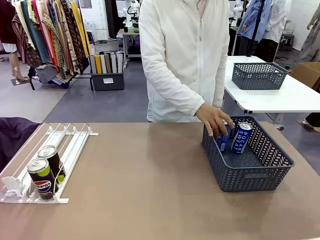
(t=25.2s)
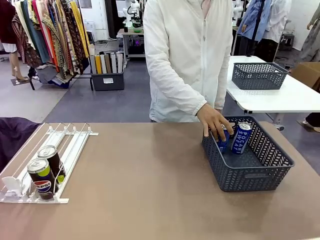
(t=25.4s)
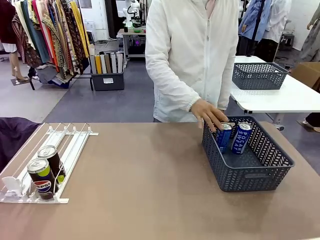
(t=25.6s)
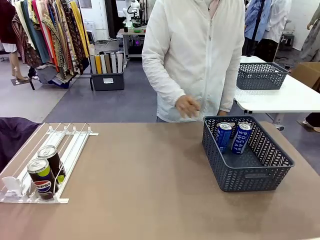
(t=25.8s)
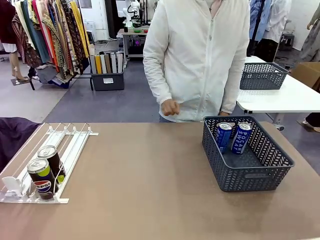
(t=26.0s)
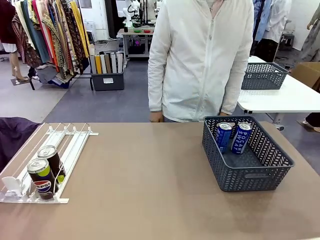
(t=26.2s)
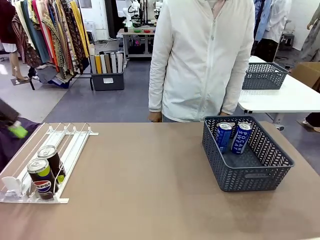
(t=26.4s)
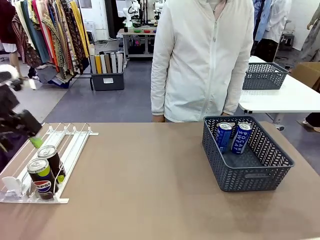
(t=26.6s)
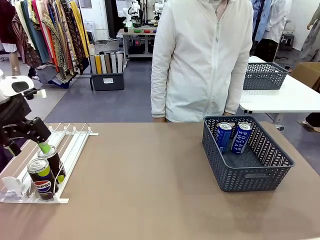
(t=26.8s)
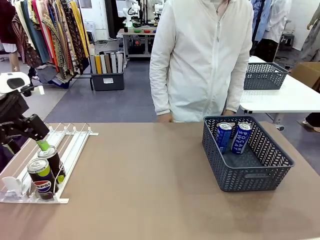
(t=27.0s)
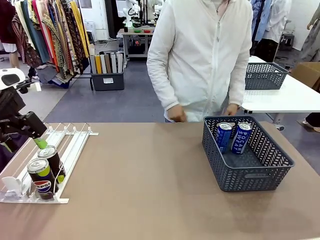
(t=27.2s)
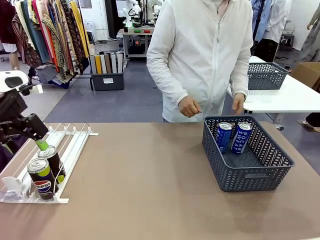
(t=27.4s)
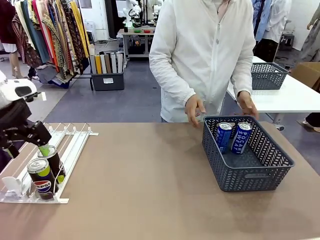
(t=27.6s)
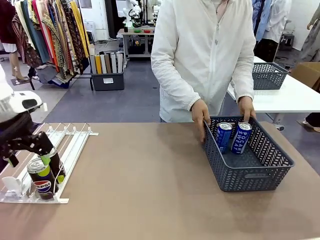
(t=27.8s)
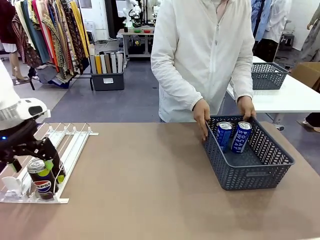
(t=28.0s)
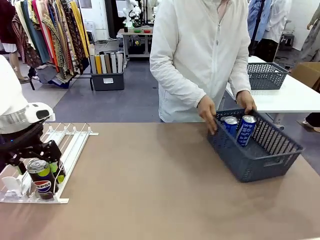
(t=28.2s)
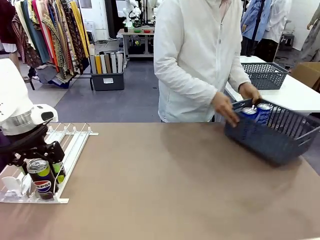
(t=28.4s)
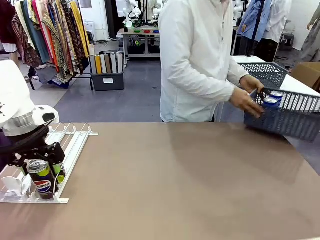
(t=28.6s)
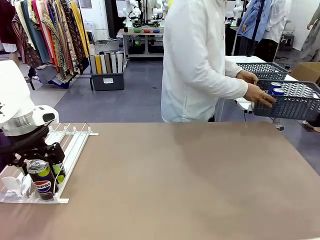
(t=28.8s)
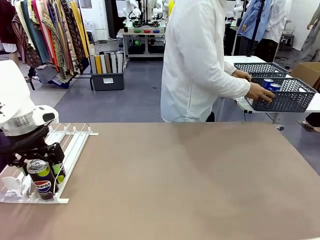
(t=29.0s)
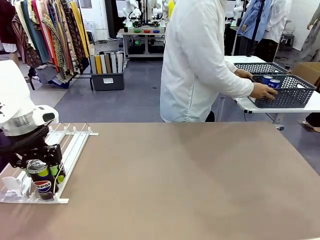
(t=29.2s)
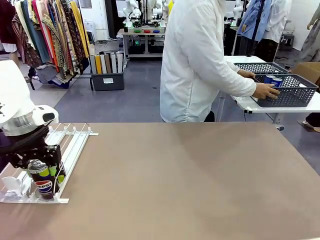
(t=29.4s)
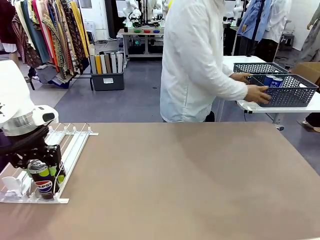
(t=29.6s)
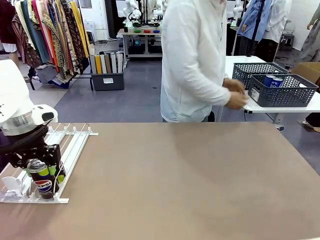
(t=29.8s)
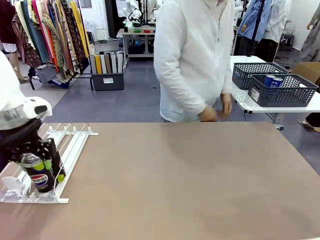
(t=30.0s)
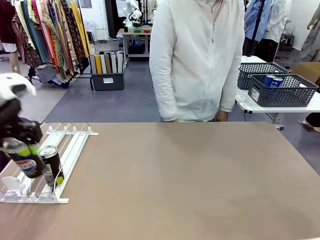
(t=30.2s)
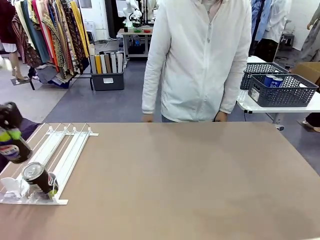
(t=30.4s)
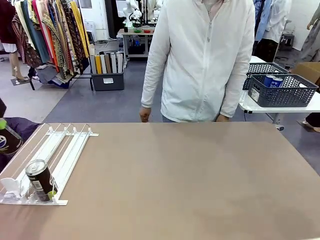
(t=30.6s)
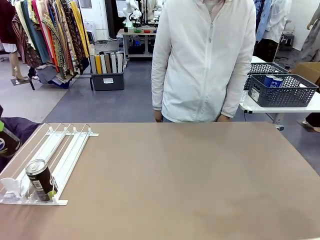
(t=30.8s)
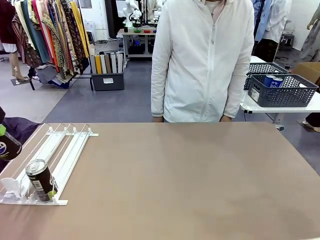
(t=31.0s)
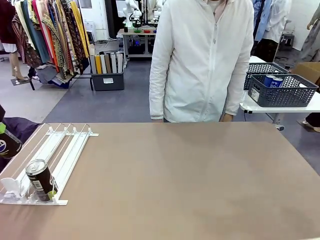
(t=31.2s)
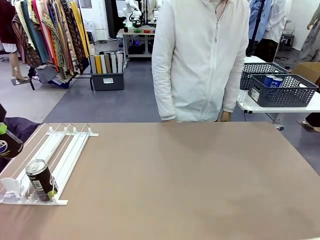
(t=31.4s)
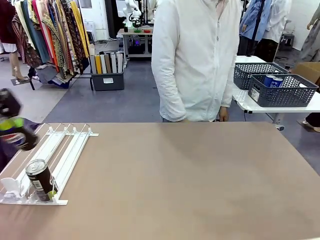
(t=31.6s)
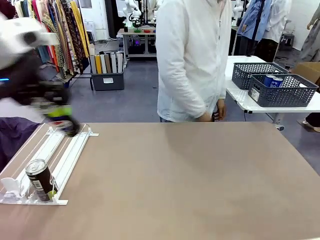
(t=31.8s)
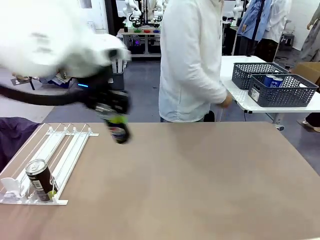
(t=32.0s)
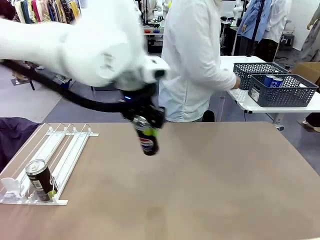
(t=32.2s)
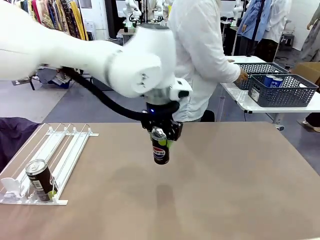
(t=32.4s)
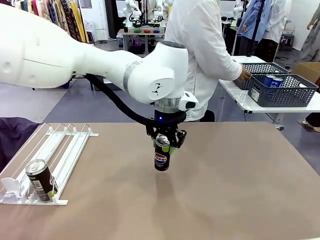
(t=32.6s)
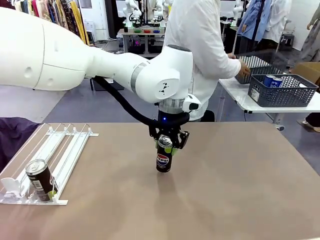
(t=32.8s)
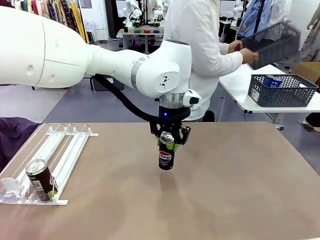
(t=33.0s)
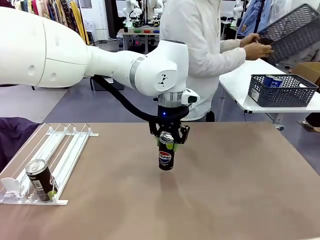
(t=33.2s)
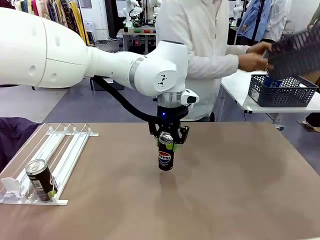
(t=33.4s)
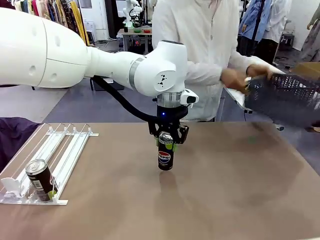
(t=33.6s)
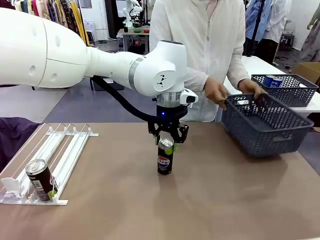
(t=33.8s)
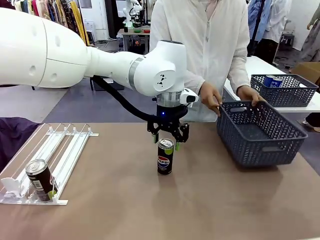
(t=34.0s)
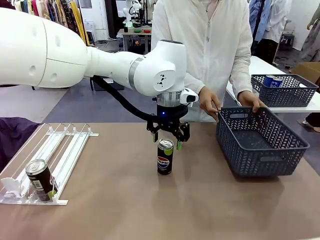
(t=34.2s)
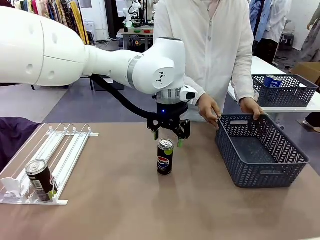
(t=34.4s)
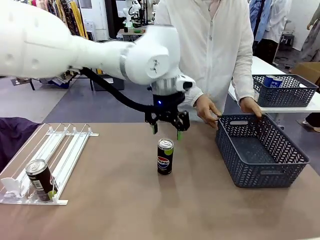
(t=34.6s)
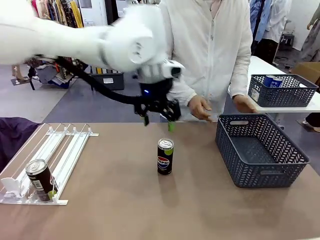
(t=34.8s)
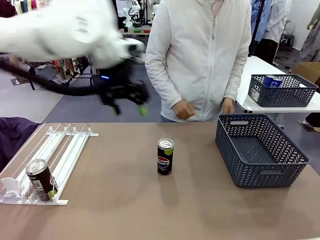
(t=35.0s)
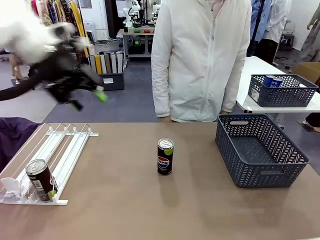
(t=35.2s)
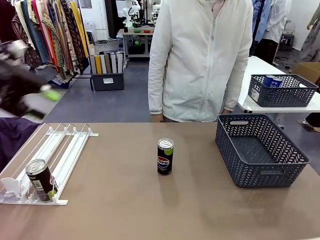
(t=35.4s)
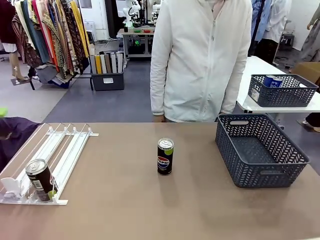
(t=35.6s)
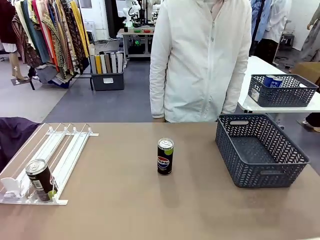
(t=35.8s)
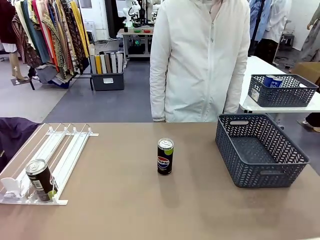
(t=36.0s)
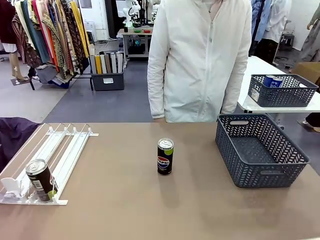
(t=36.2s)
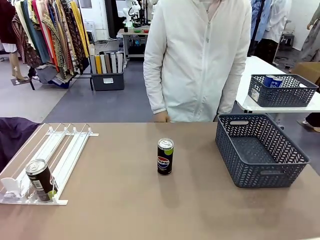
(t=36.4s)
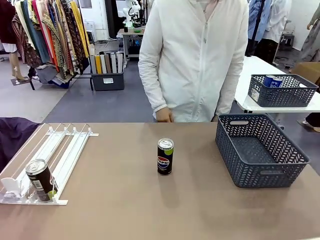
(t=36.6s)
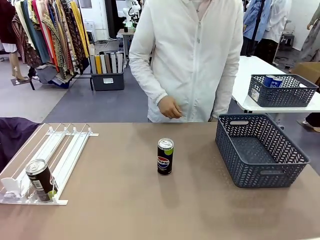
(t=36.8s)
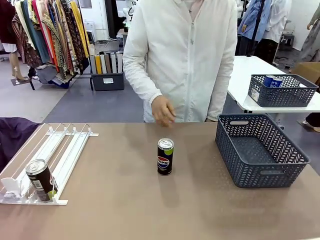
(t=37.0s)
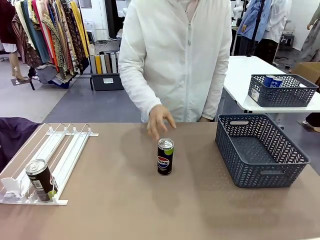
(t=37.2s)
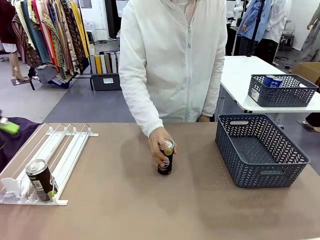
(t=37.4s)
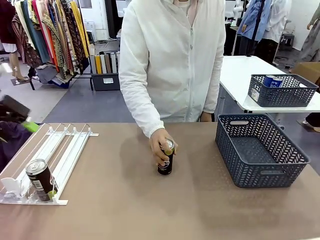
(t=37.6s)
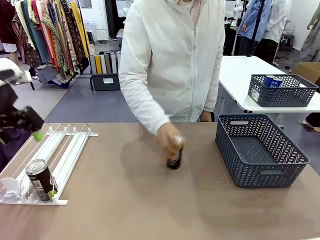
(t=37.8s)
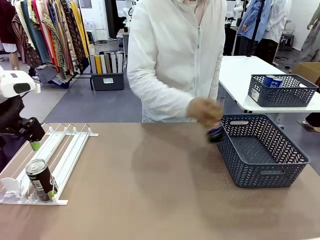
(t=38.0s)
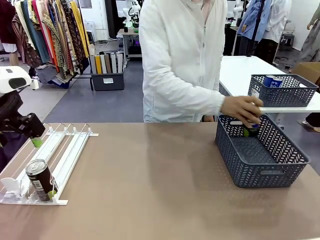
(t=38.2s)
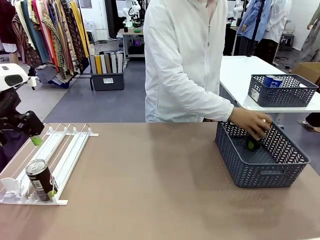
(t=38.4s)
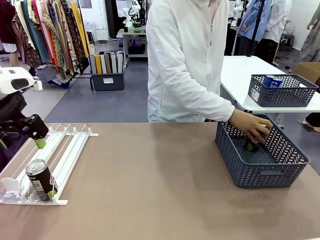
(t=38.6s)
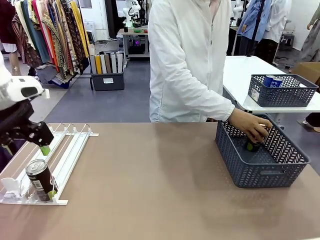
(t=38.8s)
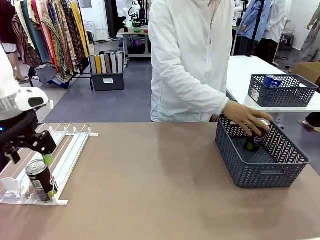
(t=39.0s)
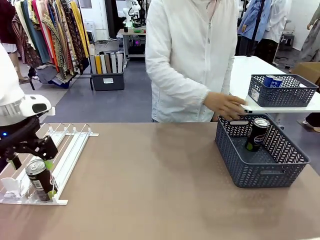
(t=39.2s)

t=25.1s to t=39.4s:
Task: Retrieve and store the cans from the dispenser.
Robot: Pick up one can from the Automatic Can Dispenser and place it in the middle of the table.
Person: Pick up the basket and place it in the middle of the human table. Pick up the empty basket and place it on the left side of the robot table.

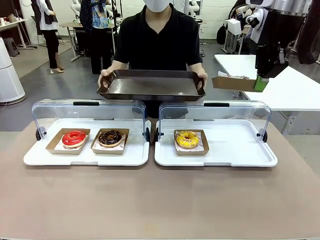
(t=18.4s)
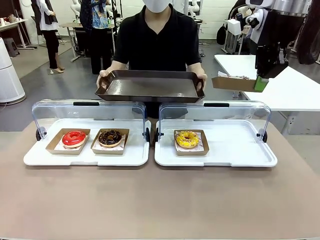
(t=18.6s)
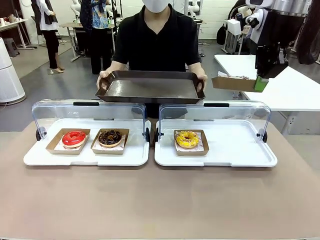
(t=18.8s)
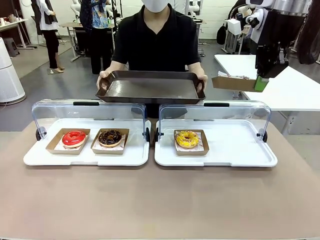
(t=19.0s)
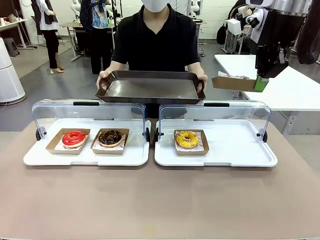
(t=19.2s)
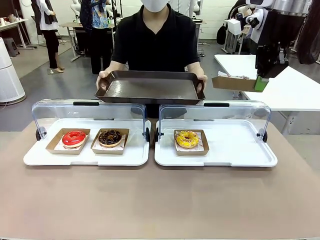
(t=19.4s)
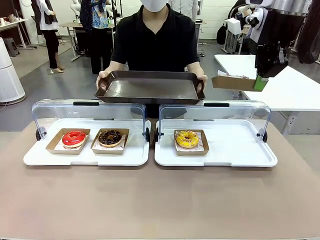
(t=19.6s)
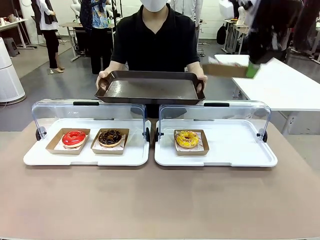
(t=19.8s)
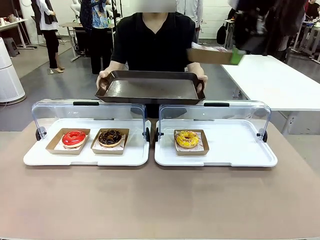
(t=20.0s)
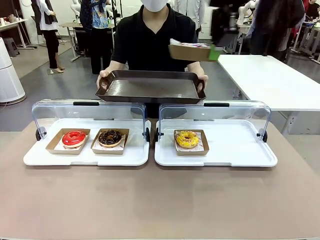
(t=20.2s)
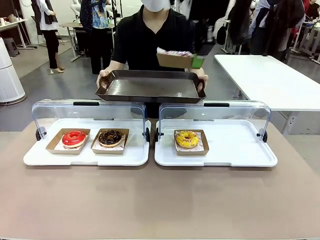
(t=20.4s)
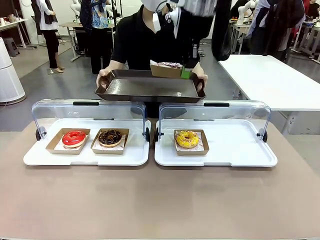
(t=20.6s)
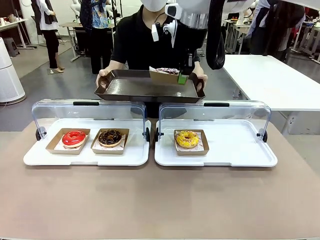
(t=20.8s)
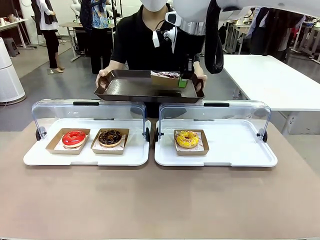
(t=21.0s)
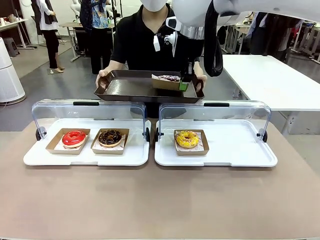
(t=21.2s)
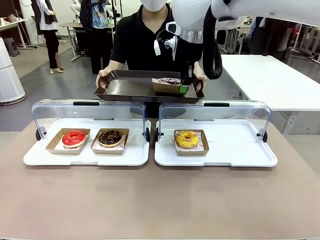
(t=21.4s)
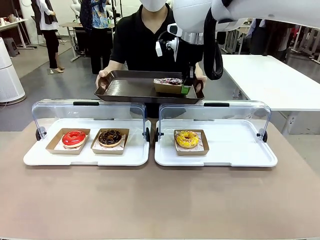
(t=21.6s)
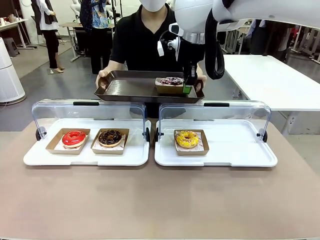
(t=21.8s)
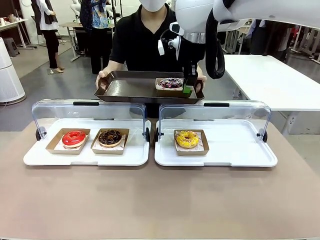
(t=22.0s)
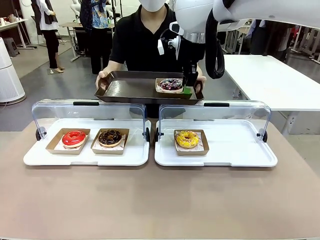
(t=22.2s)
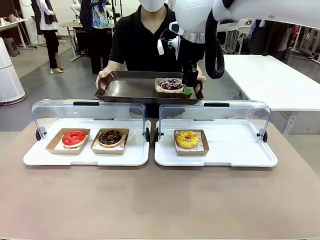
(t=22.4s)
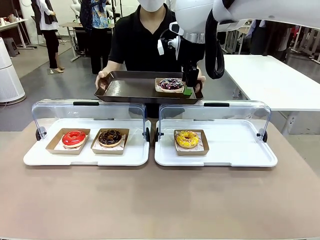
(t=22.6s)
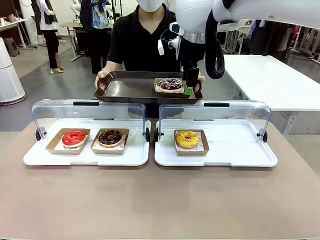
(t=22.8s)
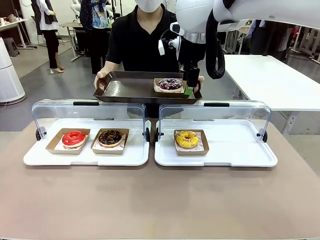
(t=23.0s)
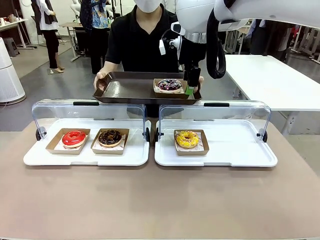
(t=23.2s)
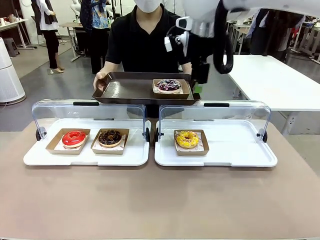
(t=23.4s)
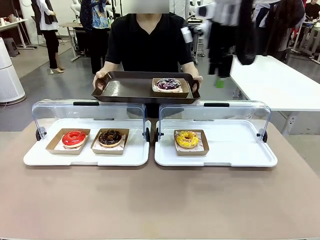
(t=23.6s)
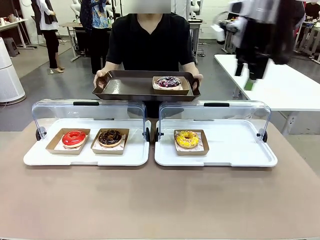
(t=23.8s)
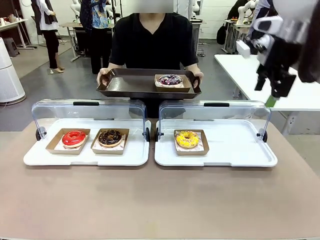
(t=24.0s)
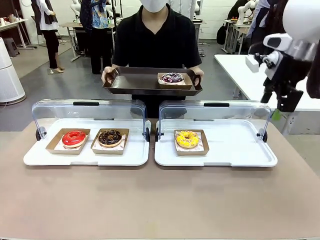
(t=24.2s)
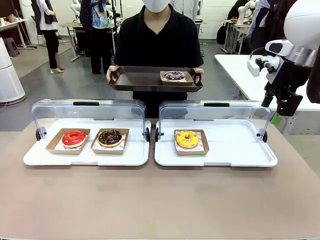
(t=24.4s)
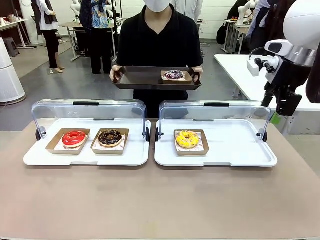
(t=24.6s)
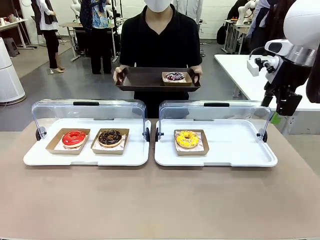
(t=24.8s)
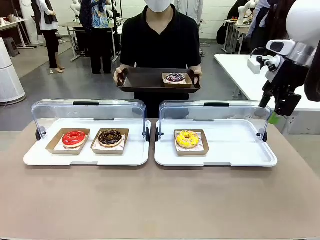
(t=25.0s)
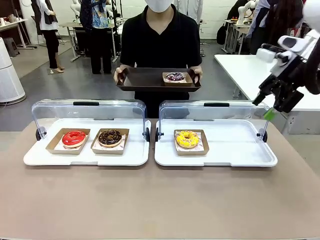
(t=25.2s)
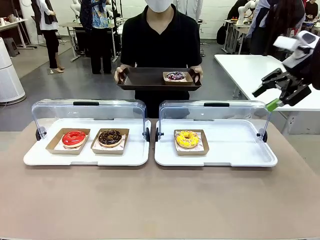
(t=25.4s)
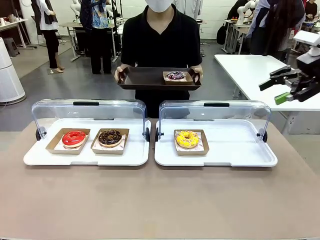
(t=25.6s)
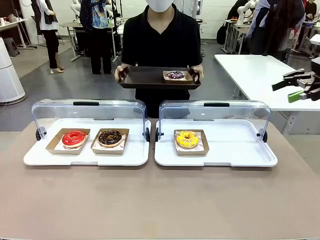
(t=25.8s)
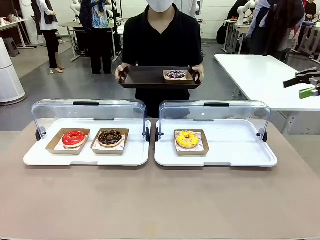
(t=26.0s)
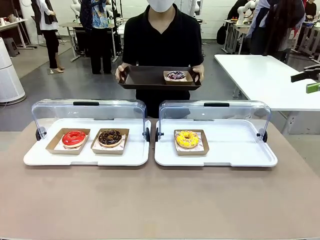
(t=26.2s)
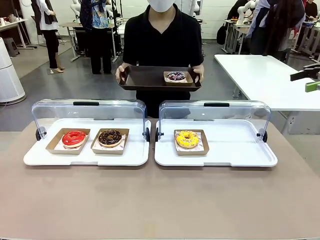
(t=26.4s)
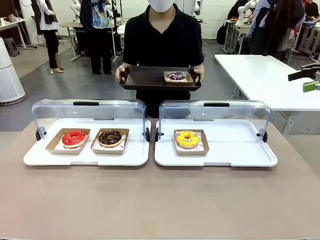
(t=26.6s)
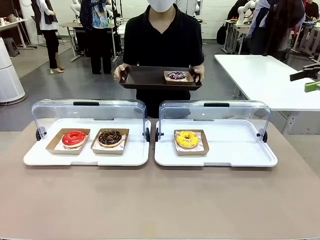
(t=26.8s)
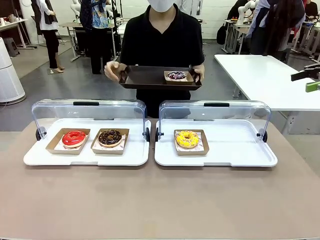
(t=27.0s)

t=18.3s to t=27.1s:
Task: Provide the desired donut to the person.
Robot: Place the picked Paper togo box onto the Handle tray extended by the person.
Person: Point to one donut.
